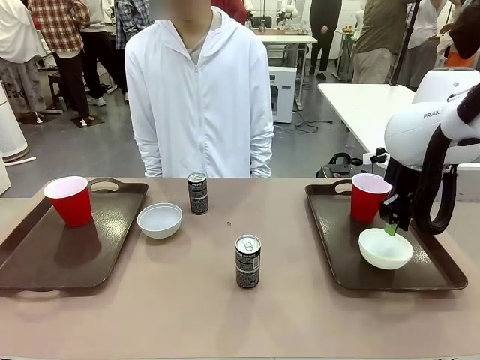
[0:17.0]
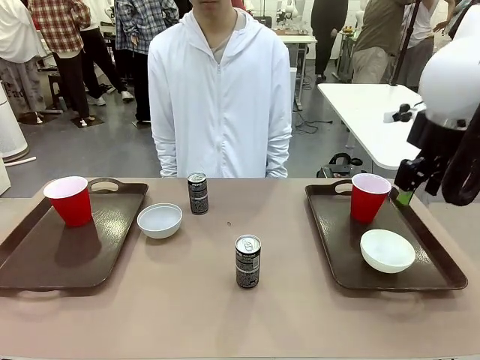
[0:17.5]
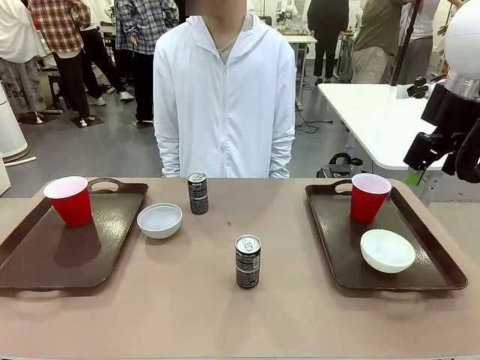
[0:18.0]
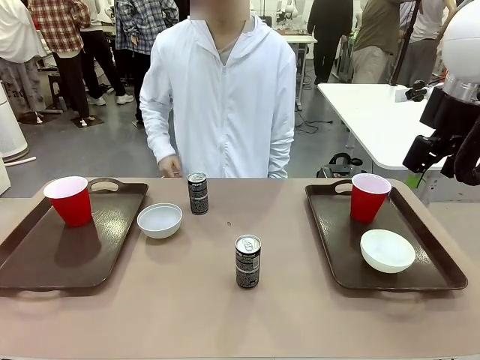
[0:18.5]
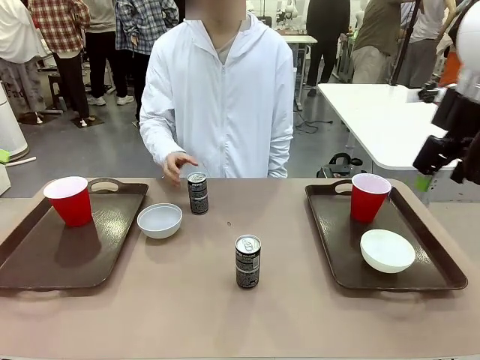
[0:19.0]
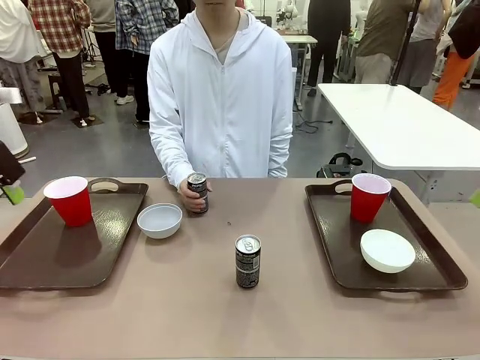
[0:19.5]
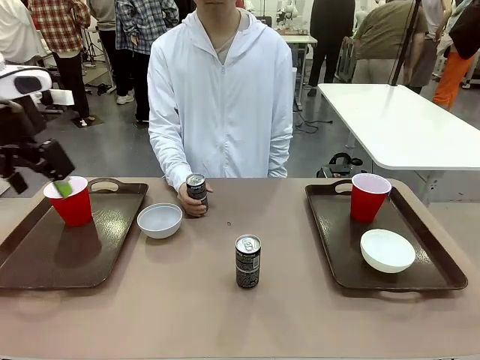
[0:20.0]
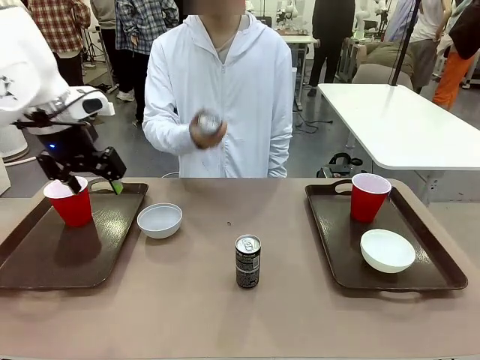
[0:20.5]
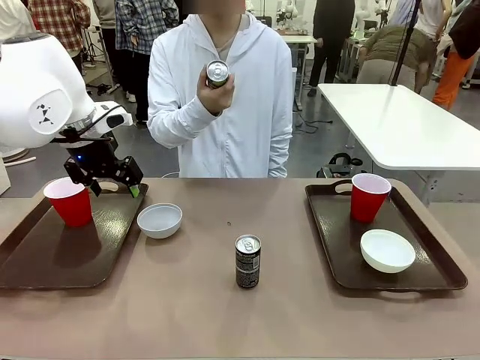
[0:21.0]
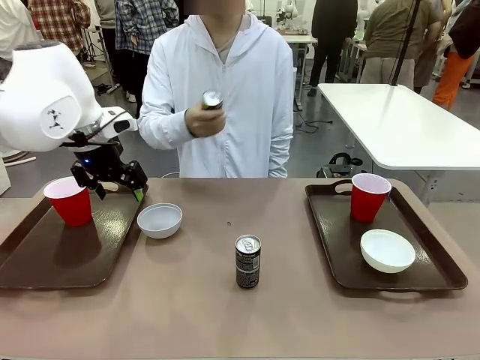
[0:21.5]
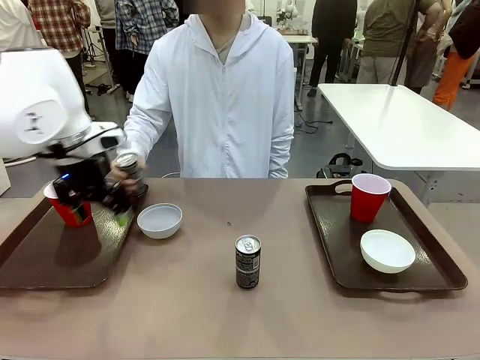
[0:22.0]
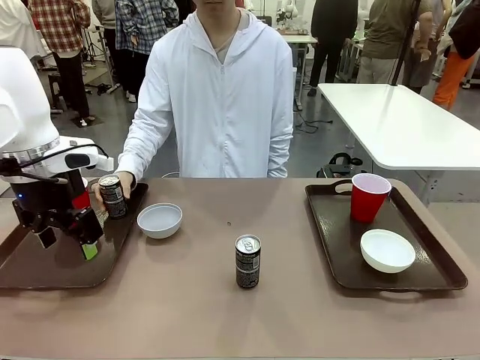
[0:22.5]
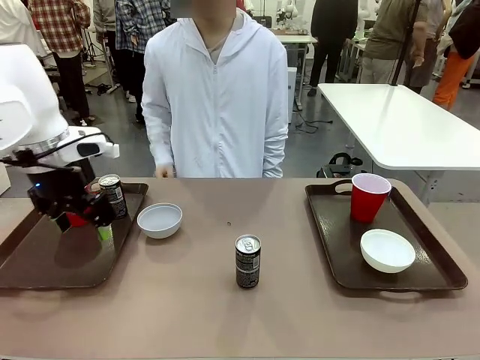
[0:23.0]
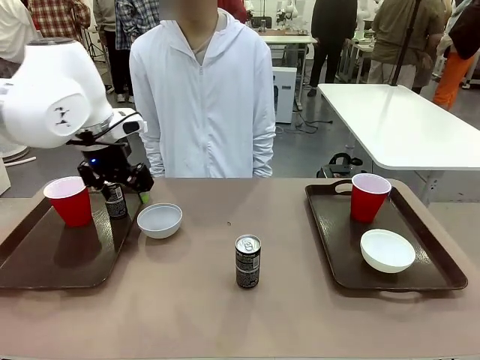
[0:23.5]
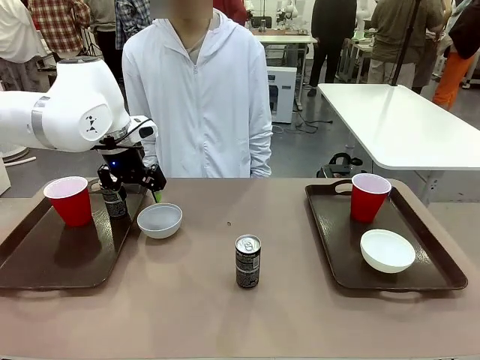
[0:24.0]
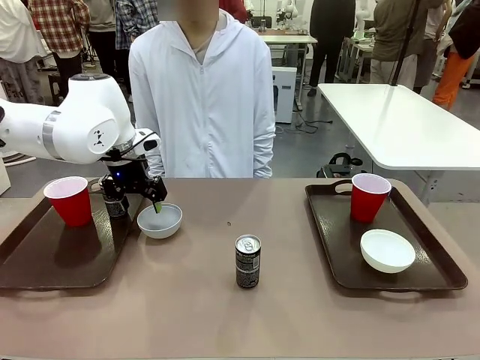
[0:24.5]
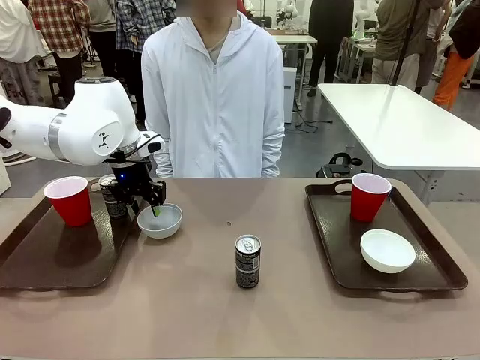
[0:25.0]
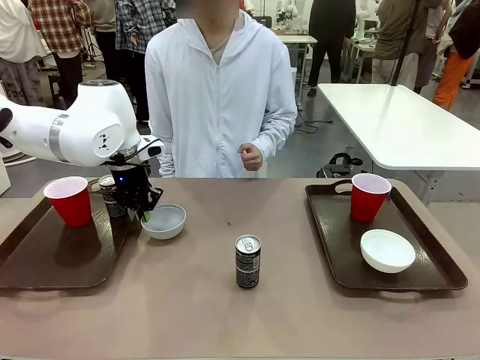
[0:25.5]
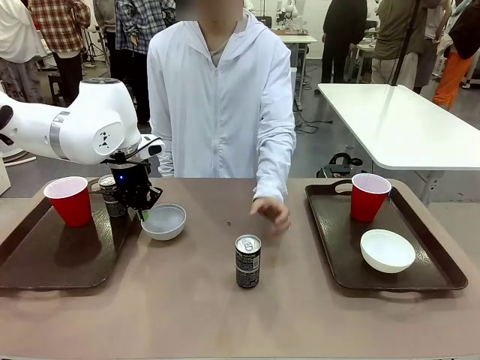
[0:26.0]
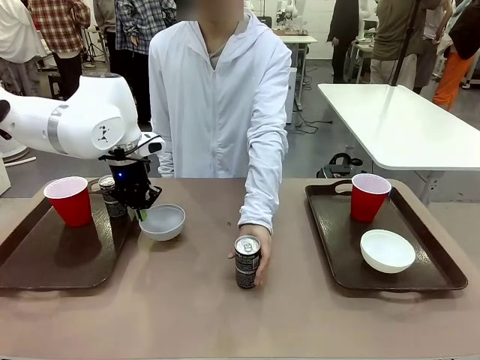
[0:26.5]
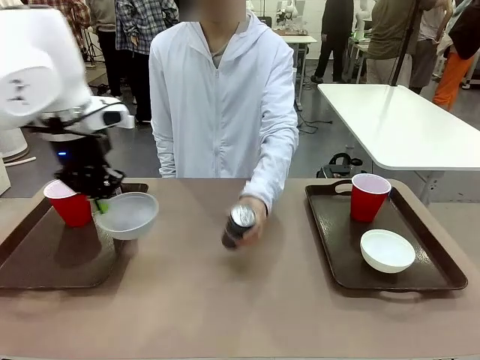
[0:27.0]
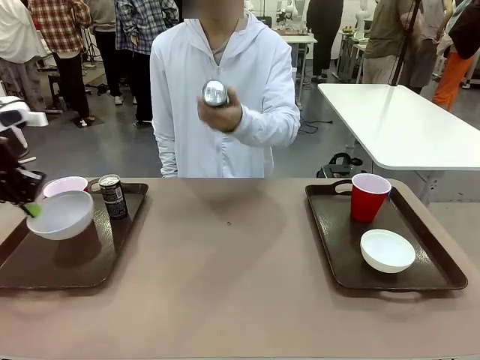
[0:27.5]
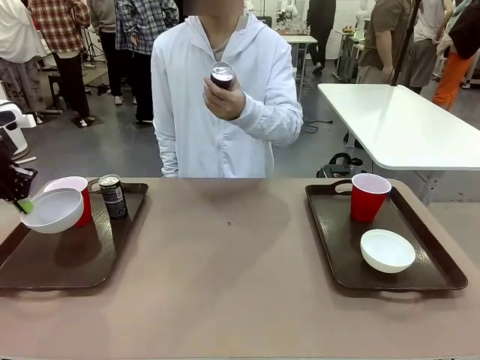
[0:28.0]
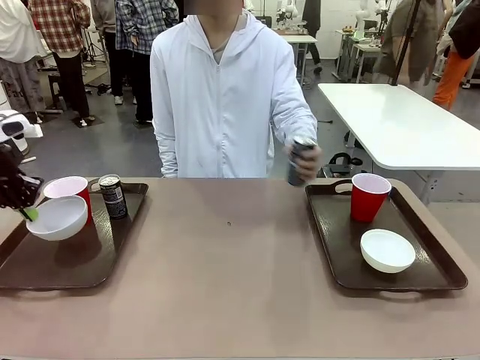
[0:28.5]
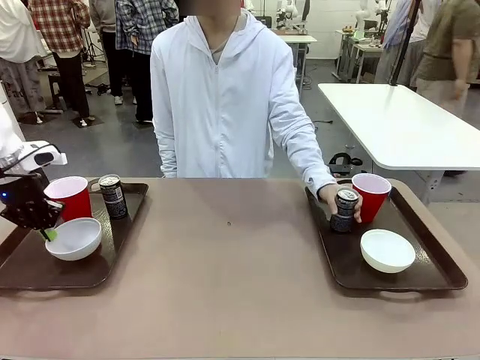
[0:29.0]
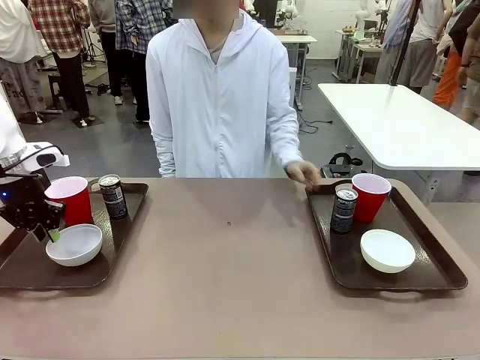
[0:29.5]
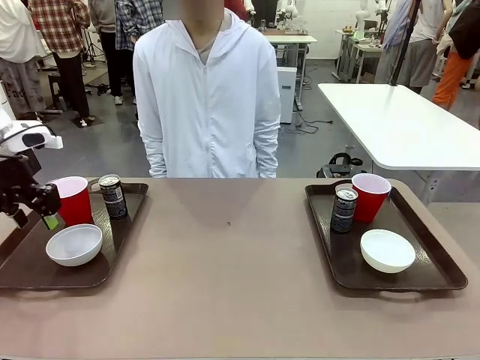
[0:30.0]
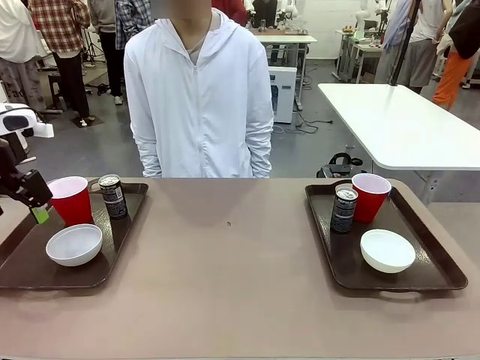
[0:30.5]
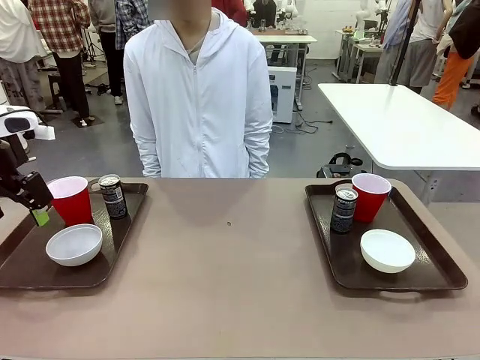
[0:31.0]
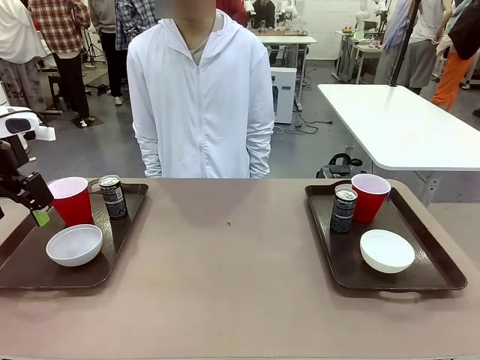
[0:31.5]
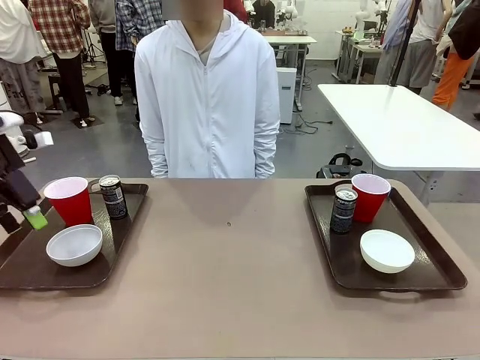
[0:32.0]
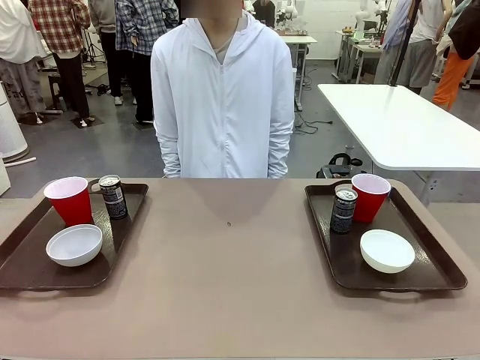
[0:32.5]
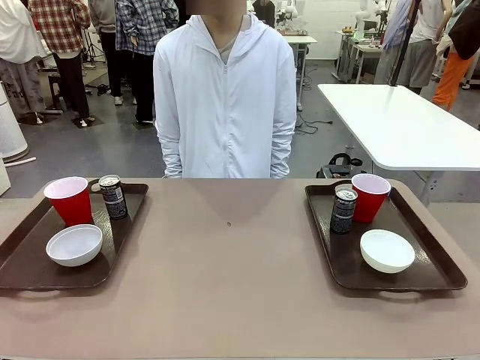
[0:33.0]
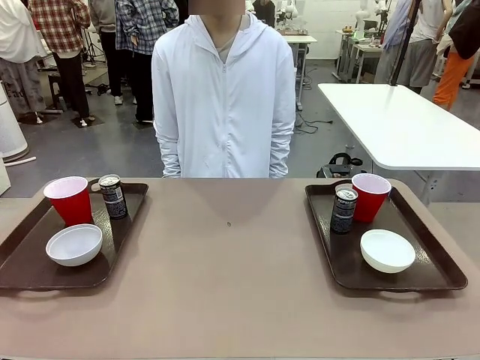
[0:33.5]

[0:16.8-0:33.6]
Task: Prepare tableware on both trays.
Robot: Pick up a Picnic Bowl from the table and place it on a Handle tray.
Person: Pick up a can or cup and place it on the tray without a can or cup.

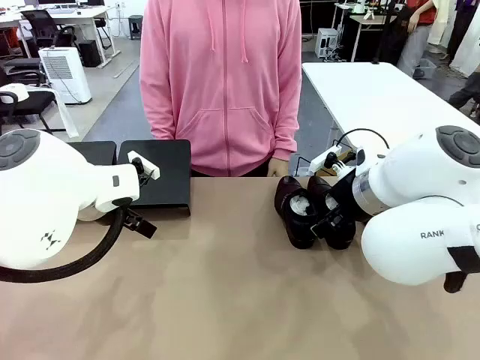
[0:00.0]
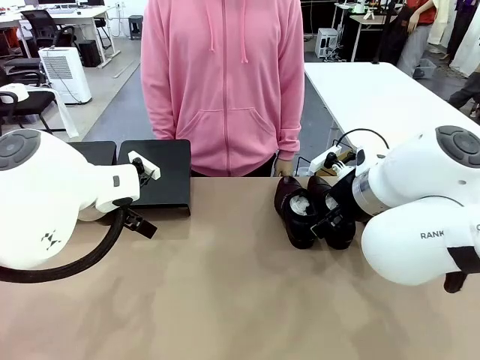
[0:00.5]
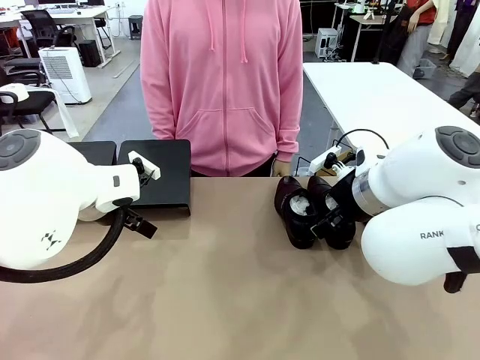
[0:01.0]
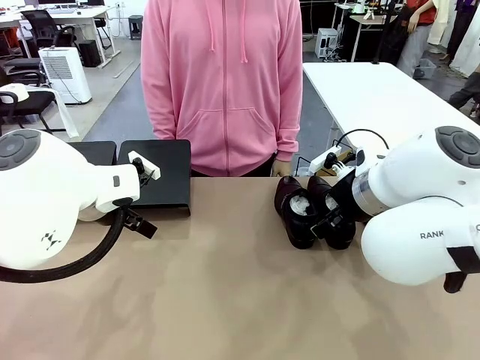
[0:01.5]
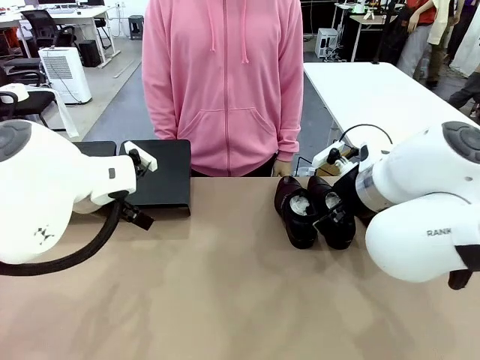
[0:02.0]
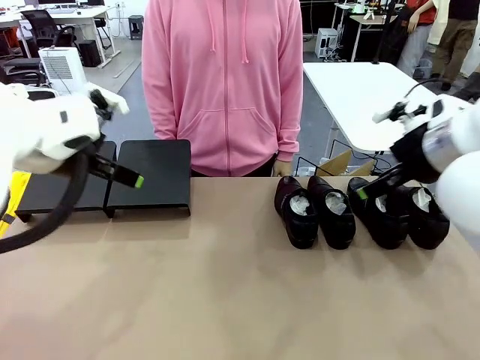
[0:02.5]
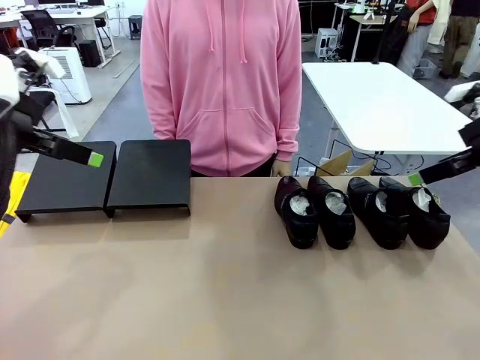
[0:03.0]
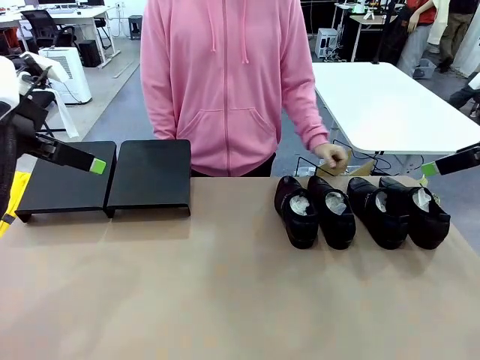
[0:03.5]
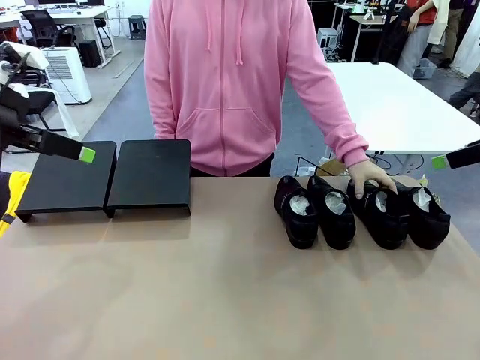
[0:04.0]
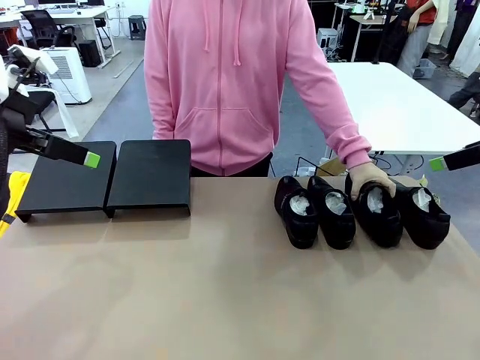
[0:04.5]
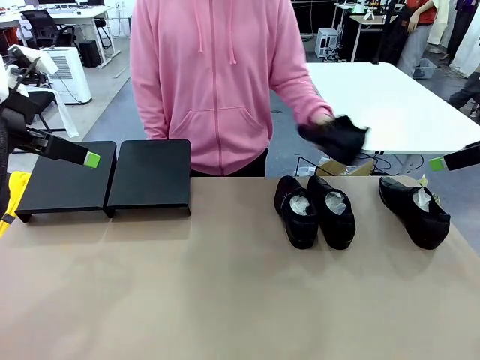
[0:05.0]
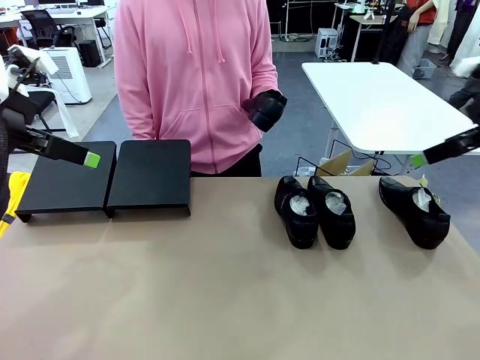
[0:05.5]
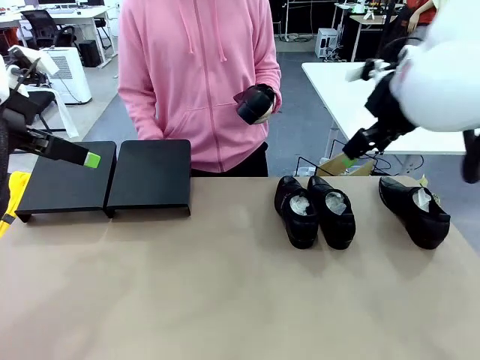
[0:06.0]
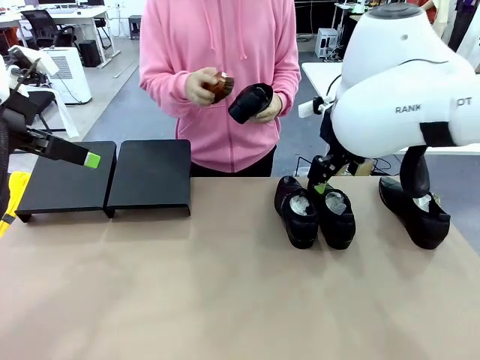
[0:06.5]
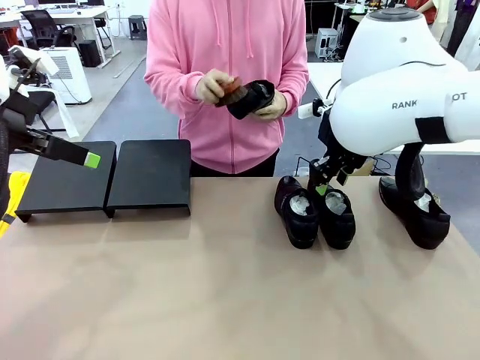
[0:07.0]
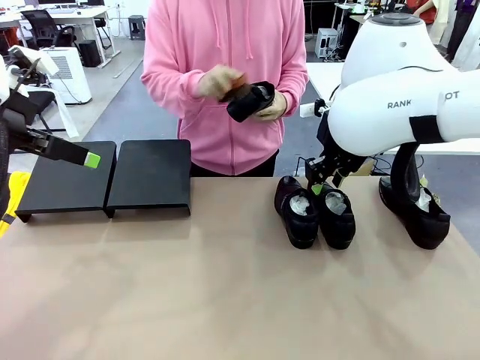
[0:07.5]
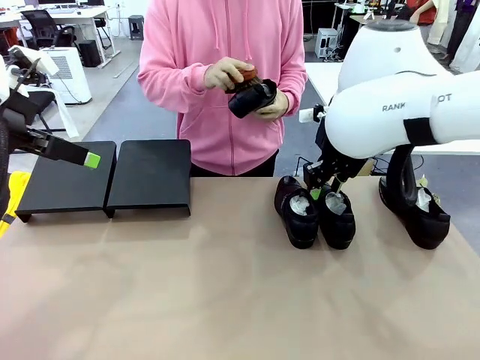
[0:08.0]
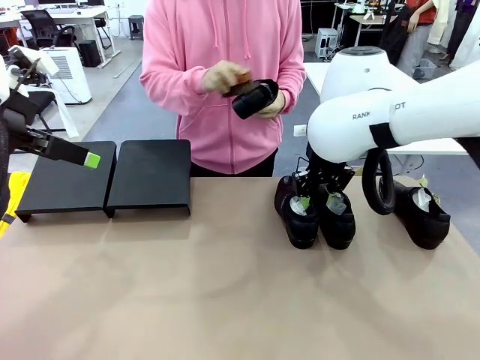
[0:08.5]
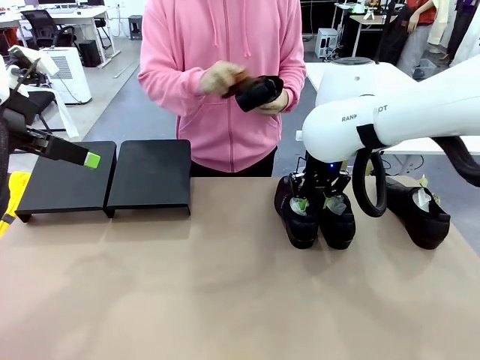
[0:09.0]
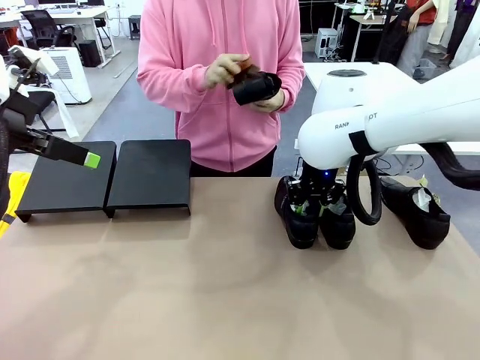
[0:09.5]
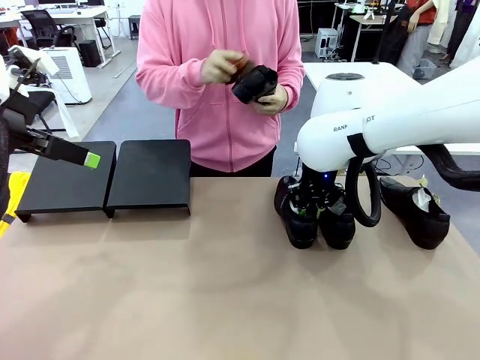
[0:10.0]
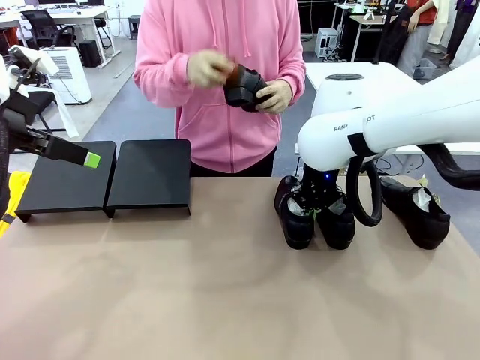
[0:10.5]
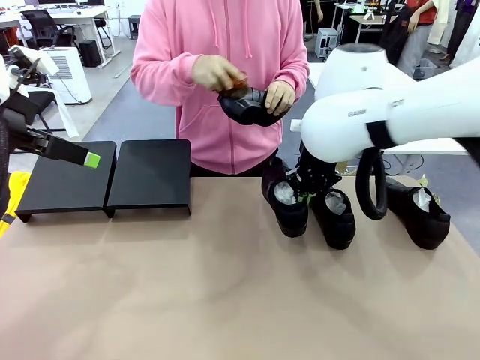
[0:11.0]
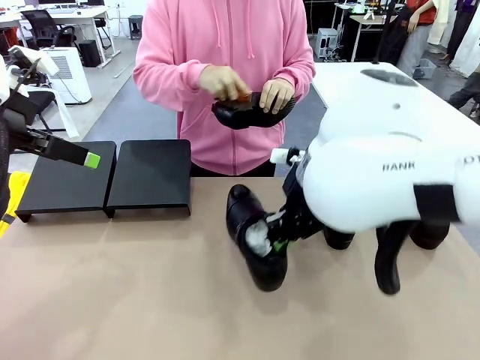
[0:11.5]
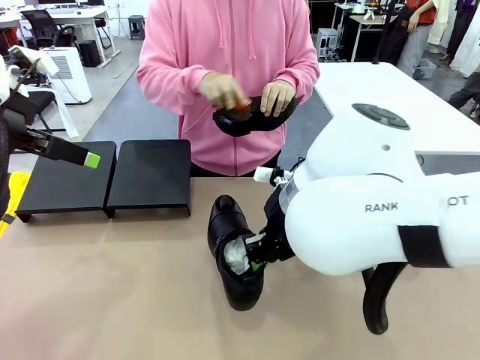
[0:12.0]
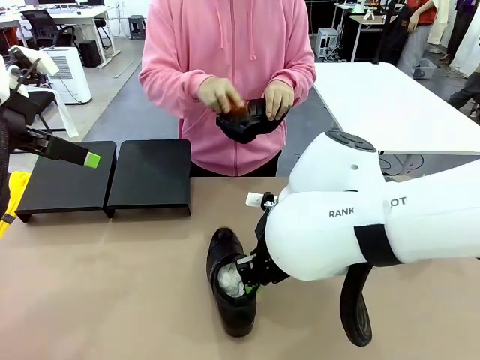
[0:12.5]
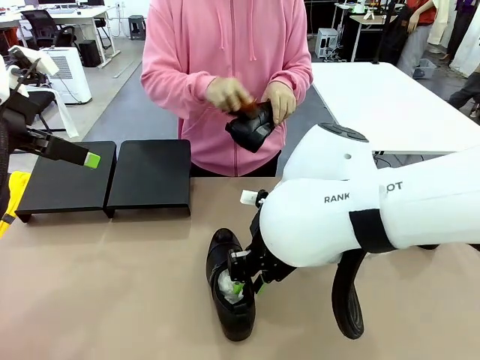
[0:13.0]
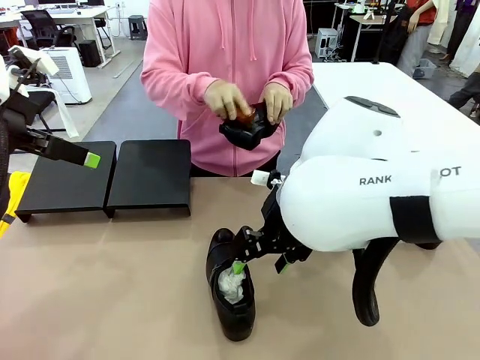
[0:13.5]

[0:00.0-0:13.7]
Task: Organize the shoes by placing them on the stand.
Robot: Pick up one Shoe and place it in the middle of the table.
Person: Pick one Shoe on Robot's table.
